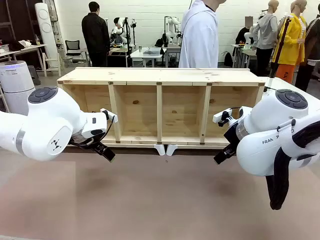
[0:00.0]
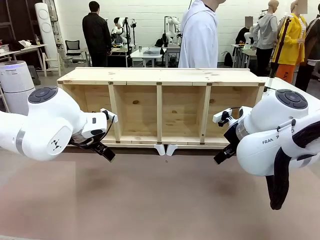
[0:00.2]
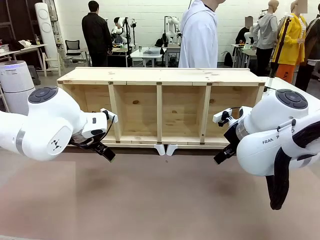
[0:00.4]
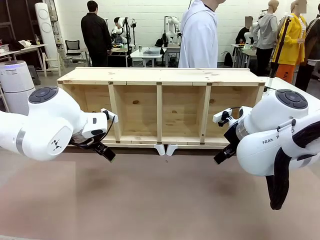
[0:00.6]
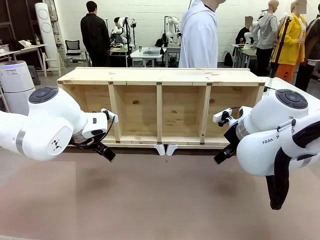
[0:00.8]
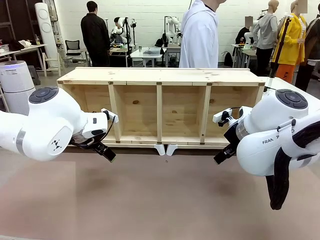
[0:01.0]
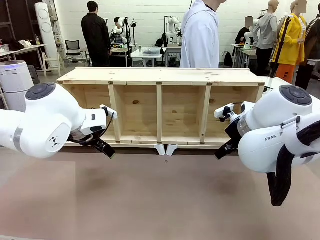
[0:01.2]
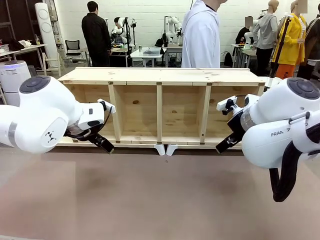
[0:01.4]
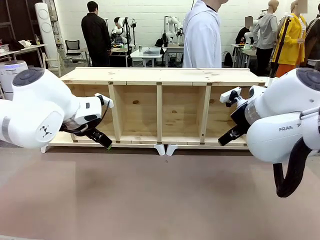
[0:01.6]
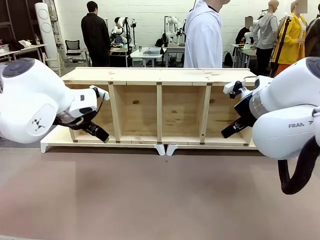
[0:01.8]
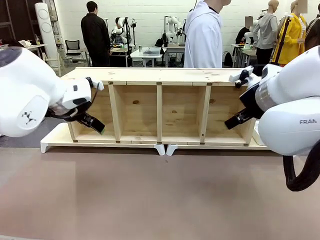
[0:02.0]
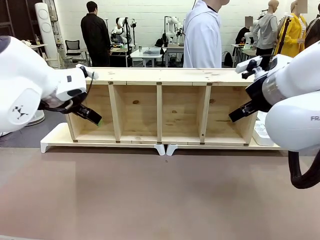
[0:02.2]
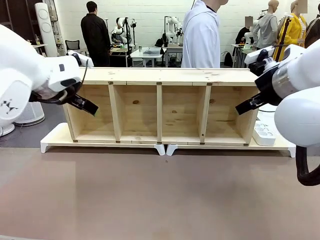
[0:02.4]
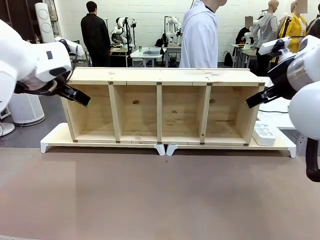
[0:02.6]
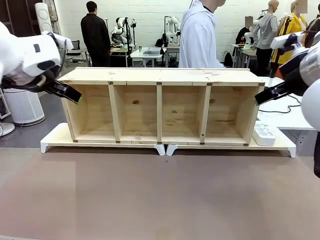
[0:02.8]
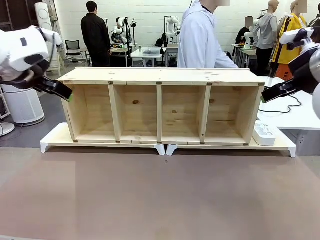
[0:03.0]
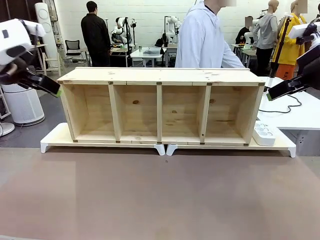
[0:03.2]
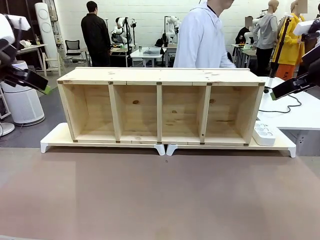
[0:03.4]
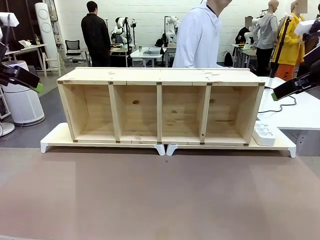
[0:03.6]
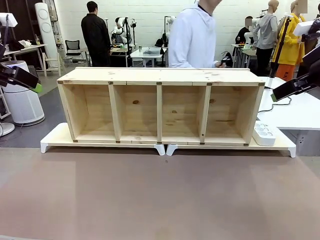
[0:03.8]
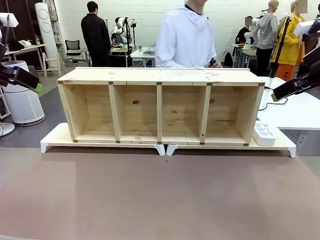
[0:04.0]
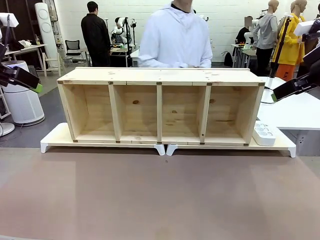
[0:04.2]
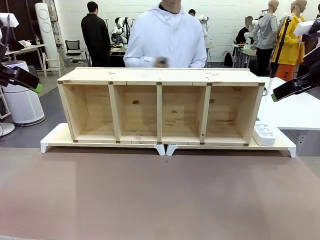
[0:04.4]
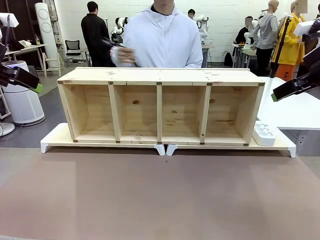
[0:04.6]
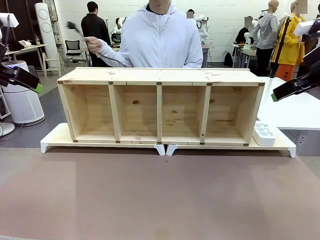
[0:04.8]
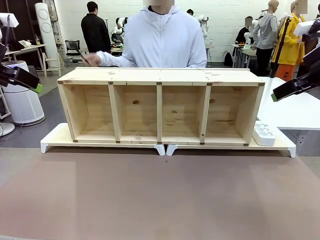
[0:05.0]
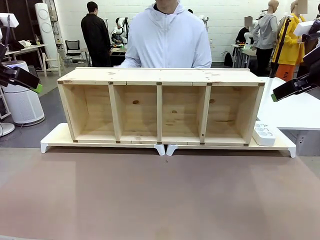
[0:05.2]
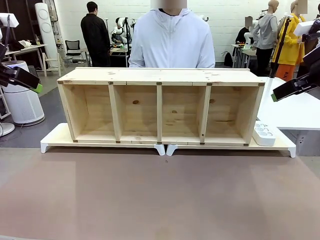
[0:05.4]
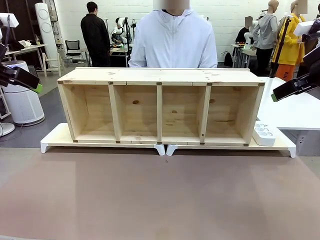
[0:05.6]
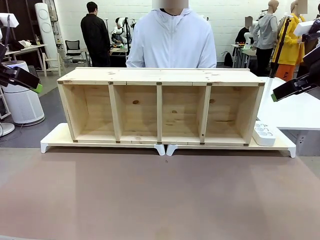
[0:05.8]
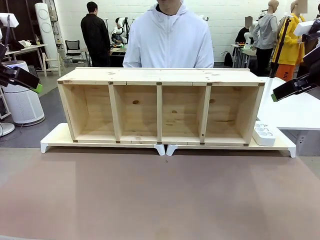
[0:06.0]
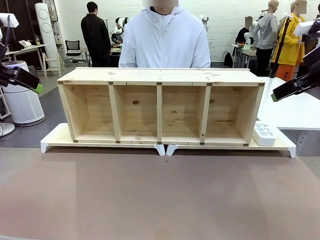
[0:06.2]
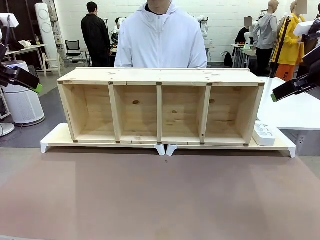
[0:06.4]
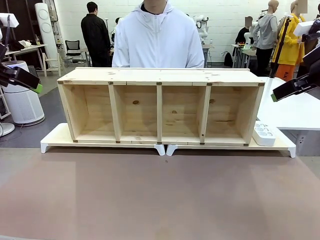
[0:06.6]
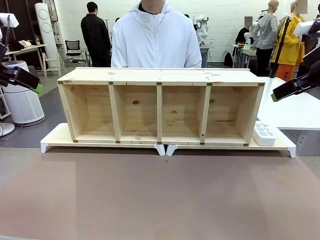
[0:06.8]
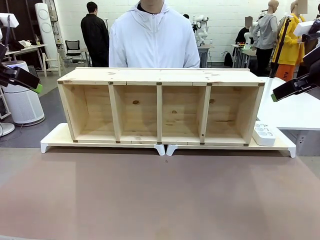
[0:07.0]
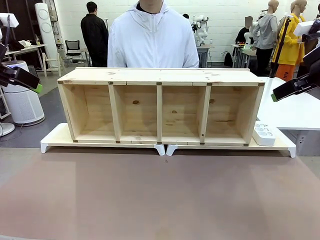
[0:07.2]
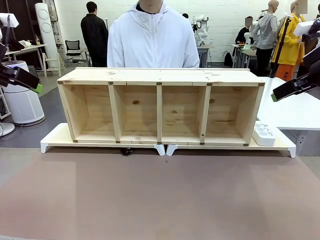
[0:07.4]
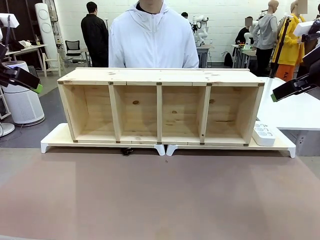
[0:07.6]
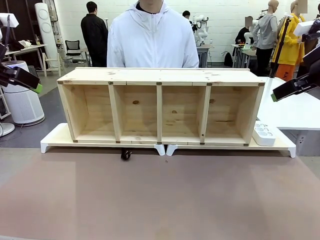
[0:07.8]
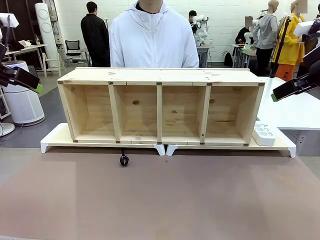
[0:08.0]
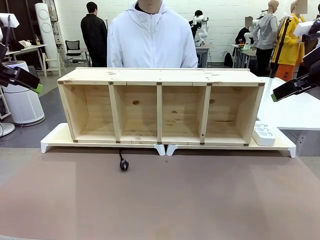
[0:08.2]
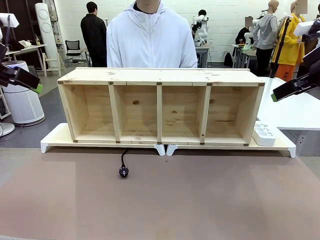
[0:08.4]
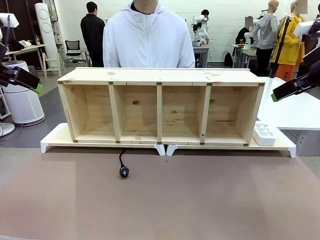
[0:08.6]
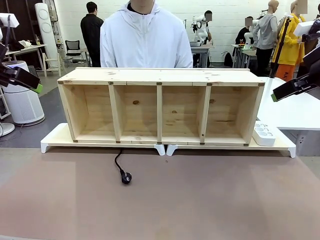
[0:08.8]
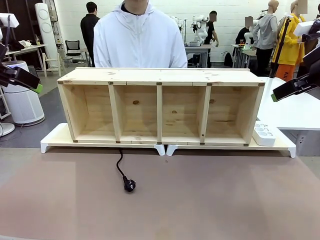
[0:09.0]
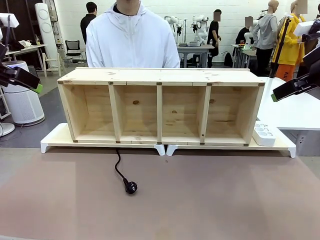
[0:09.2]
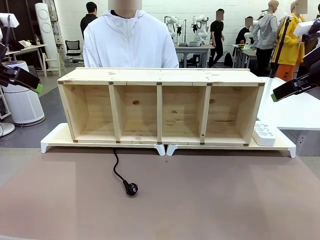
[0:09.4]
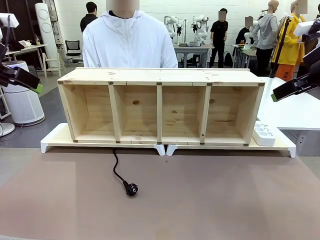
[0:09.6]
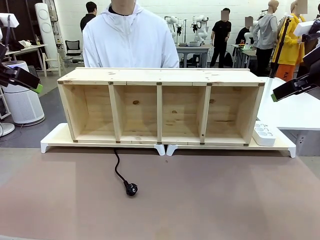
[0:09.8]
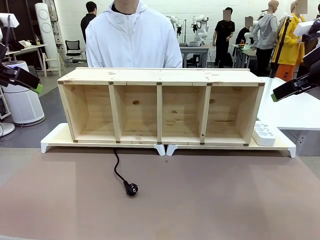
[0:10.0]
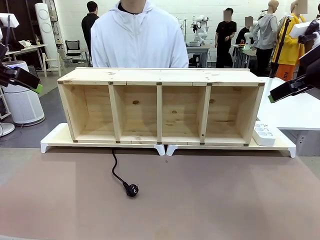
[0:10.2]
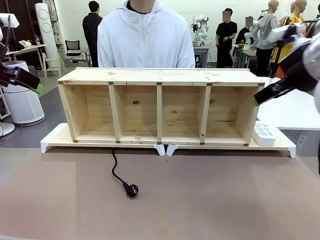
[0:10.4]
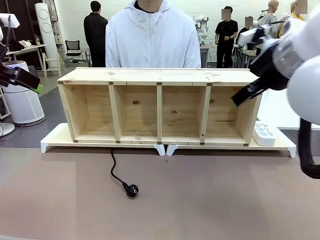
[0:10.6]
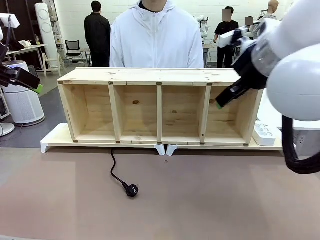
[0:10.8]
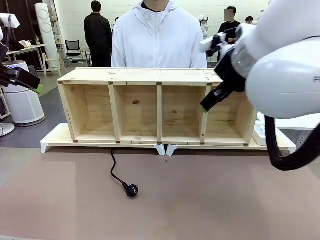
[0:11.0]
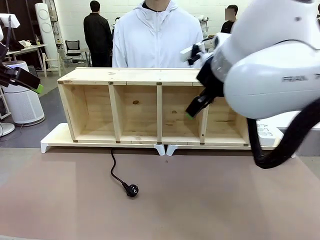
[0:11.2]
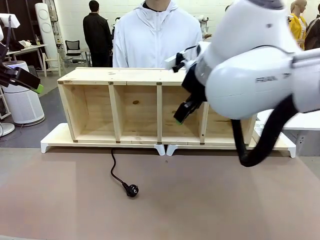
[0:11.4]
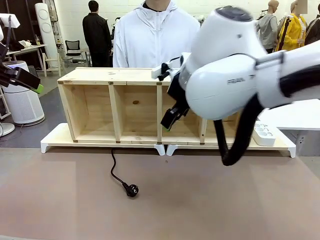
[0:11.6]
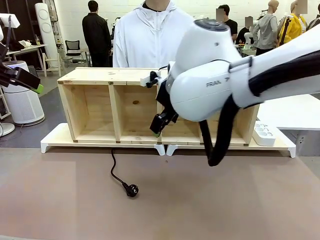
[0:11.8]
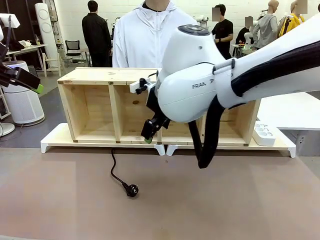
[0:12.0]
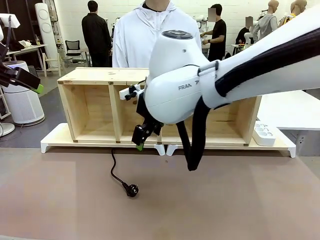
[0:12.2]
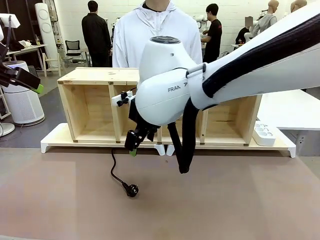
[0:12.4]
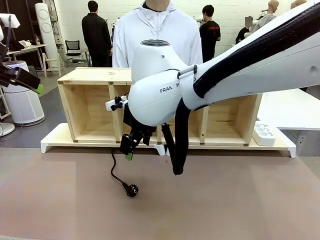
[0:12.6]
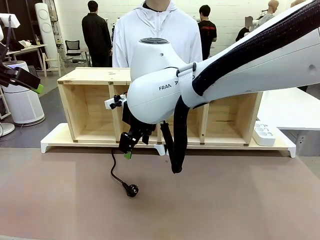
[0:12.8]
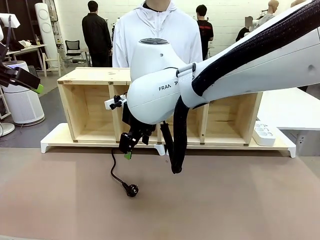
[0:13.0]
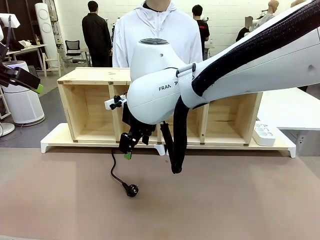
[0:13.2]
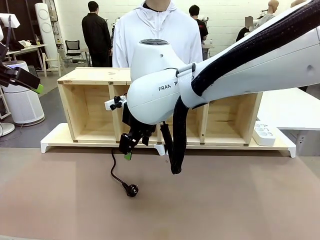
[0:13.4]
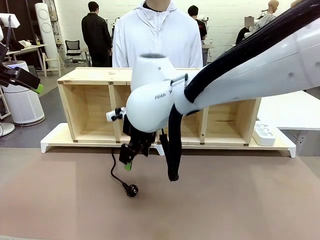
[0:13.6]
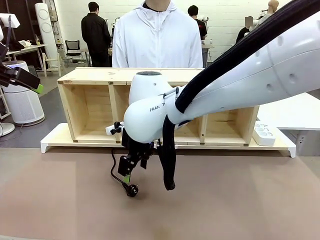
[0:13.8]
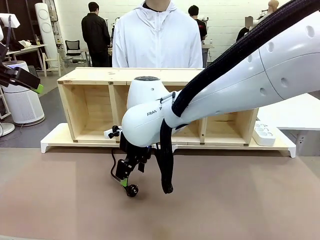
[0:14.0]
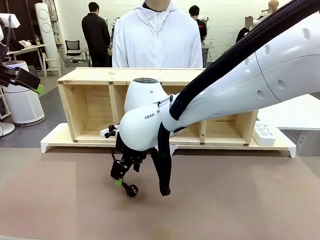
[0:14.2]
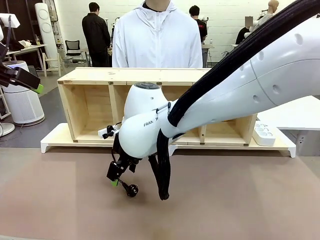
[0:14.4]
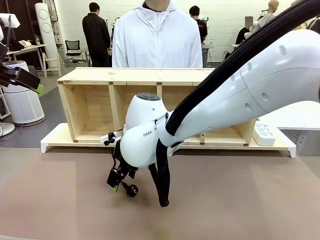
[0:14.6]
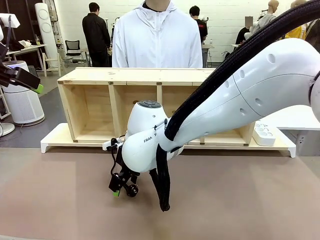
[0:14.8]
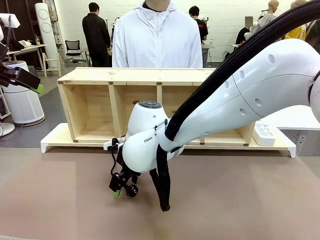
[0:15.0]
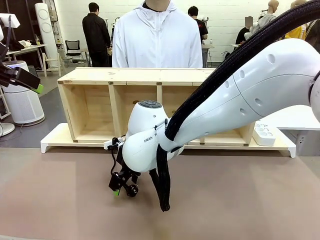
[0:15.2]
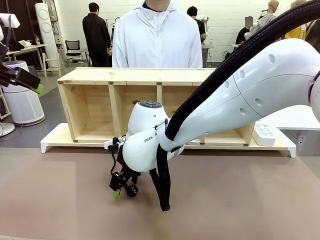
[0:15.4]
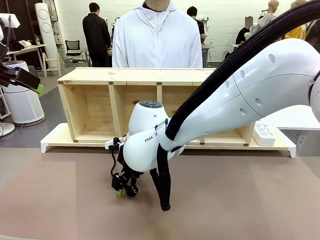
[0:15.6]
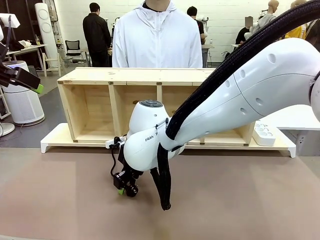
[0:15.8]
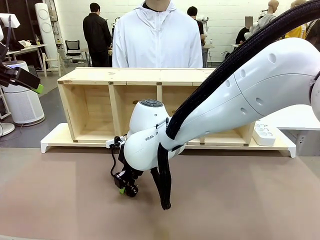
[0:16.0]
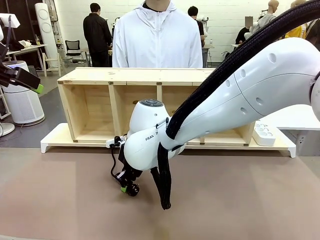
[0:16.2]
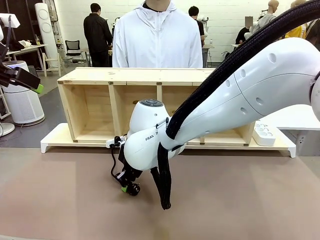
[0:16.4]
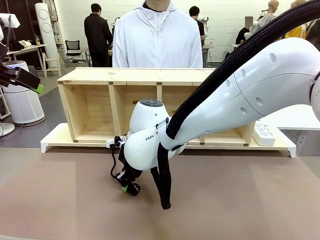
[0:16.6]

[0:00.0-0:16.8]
Task: Perform cable management.
Robot: When the cord part of the Power Cable appears at the lower middle area of the table and stops, grasp the cord part of the Power Cable.
Person: Pass the Power Cable under the Serving Table.
